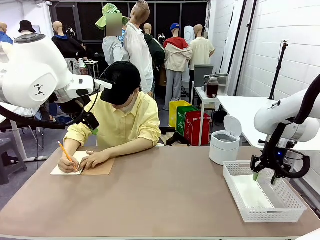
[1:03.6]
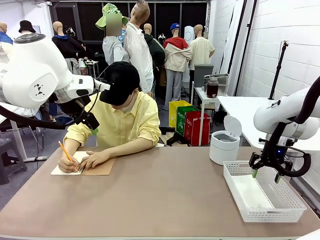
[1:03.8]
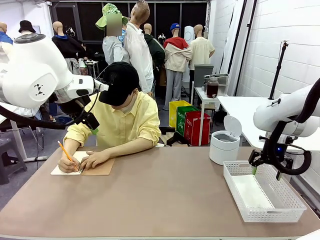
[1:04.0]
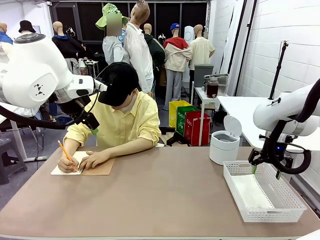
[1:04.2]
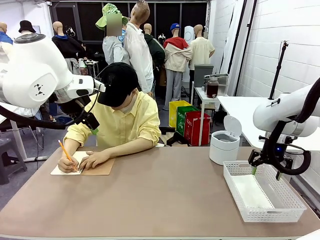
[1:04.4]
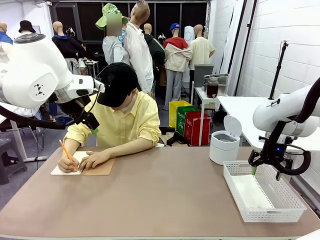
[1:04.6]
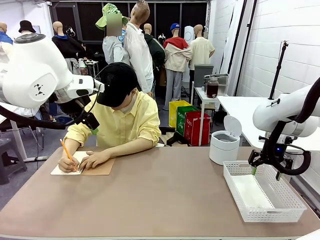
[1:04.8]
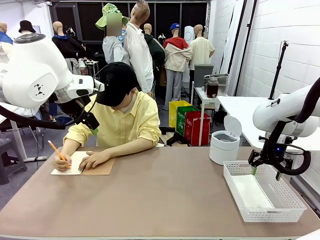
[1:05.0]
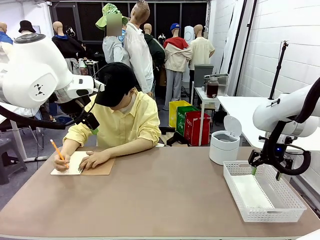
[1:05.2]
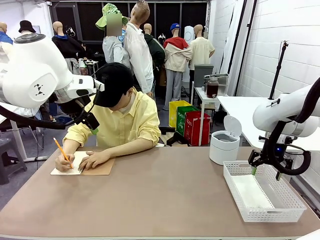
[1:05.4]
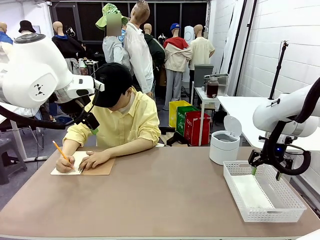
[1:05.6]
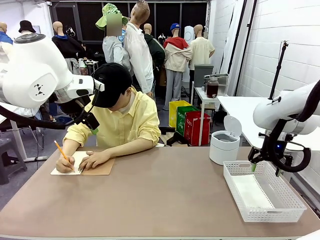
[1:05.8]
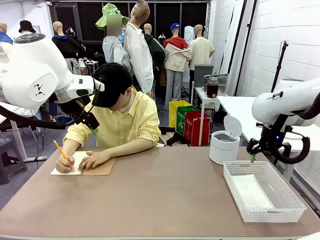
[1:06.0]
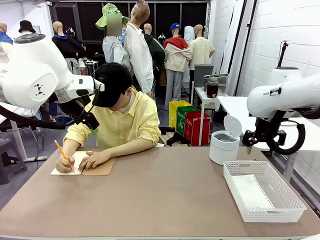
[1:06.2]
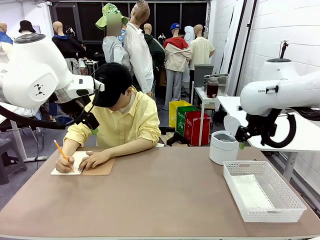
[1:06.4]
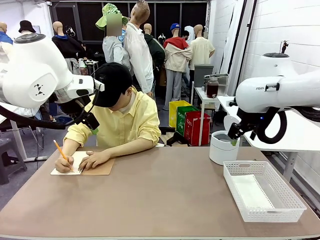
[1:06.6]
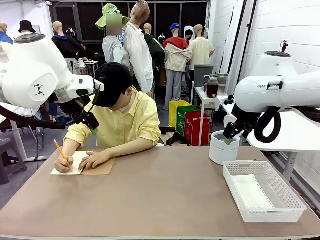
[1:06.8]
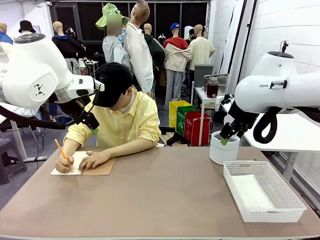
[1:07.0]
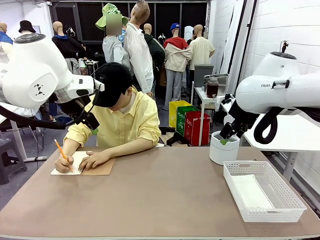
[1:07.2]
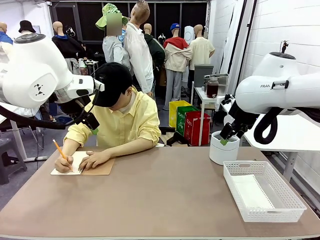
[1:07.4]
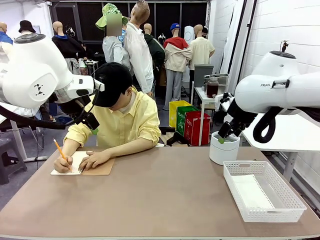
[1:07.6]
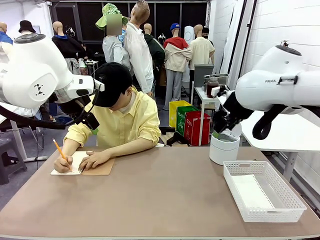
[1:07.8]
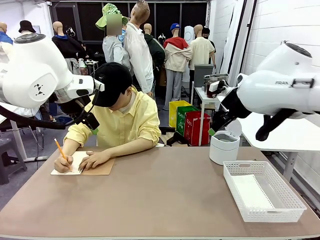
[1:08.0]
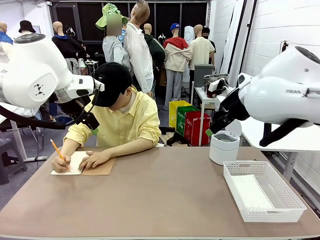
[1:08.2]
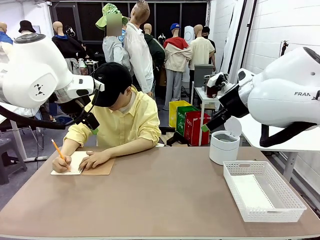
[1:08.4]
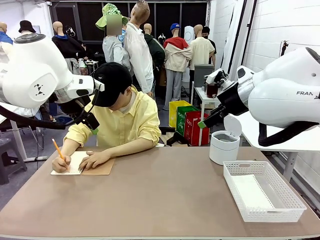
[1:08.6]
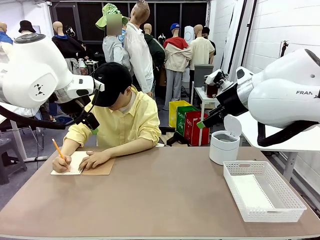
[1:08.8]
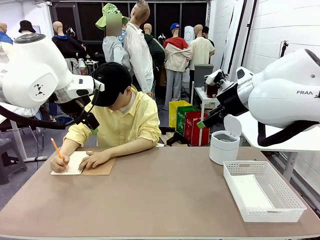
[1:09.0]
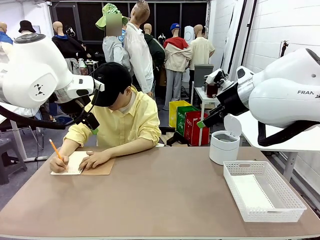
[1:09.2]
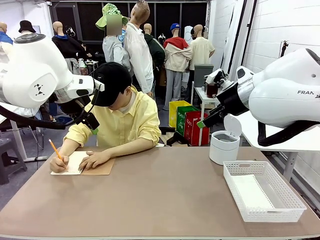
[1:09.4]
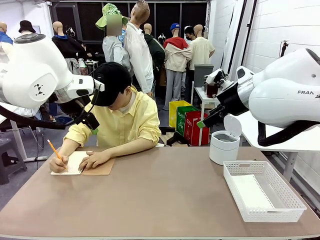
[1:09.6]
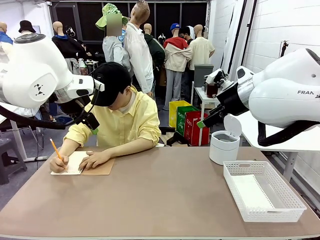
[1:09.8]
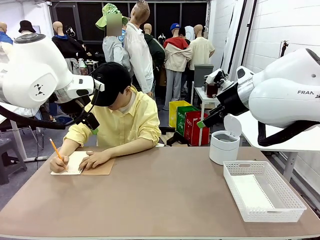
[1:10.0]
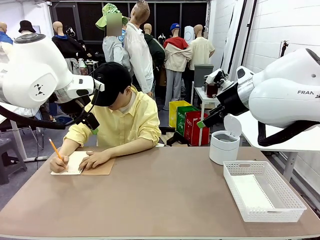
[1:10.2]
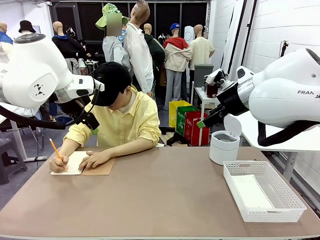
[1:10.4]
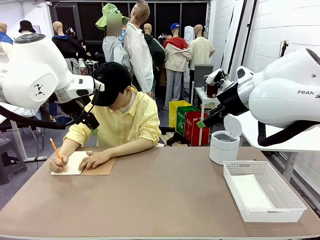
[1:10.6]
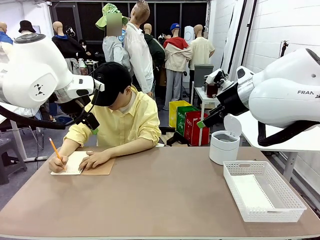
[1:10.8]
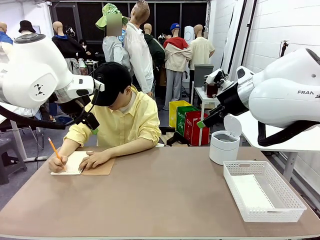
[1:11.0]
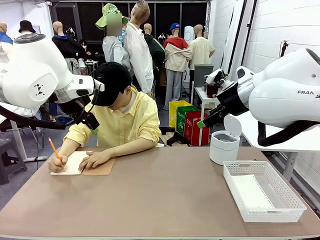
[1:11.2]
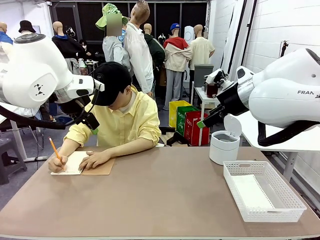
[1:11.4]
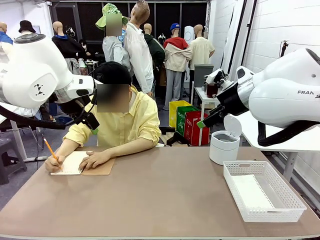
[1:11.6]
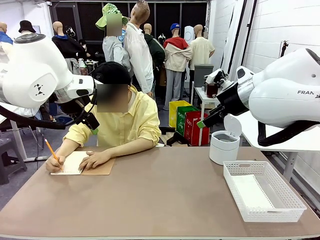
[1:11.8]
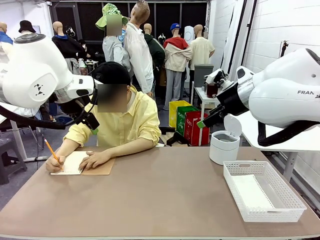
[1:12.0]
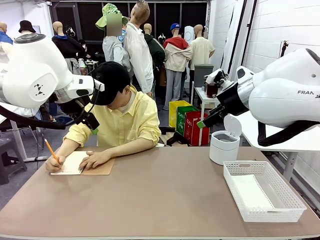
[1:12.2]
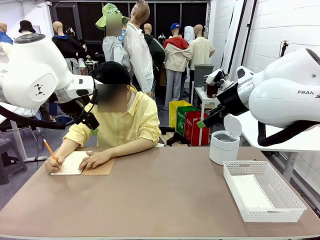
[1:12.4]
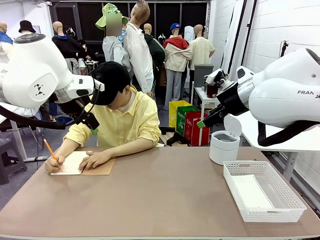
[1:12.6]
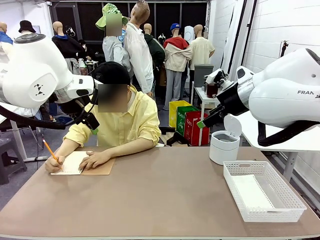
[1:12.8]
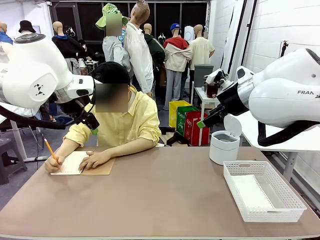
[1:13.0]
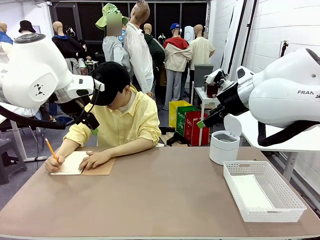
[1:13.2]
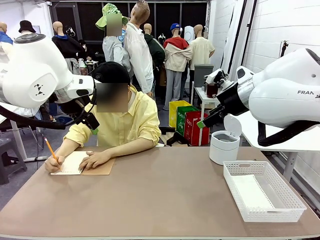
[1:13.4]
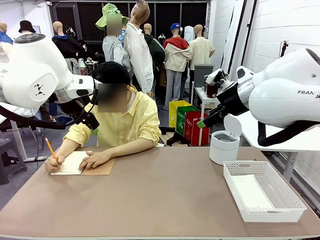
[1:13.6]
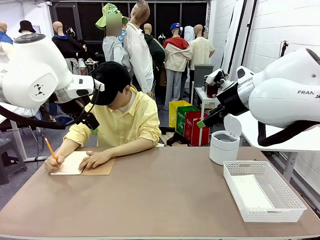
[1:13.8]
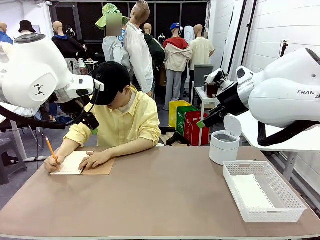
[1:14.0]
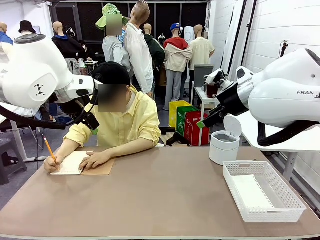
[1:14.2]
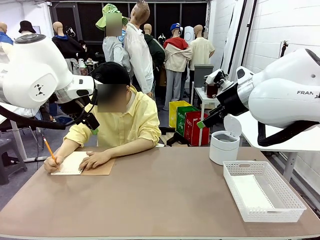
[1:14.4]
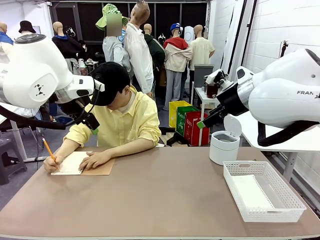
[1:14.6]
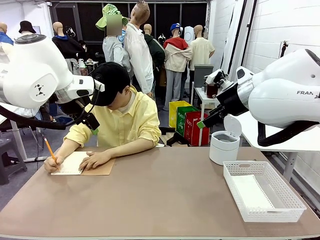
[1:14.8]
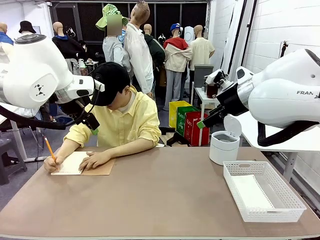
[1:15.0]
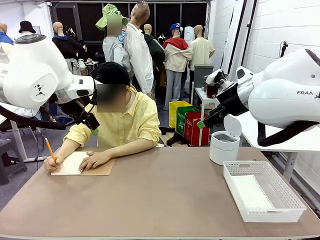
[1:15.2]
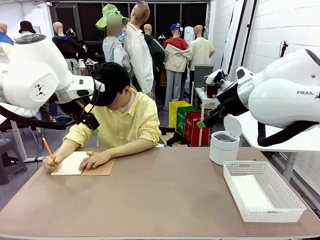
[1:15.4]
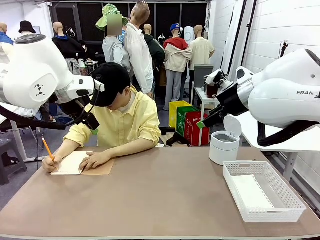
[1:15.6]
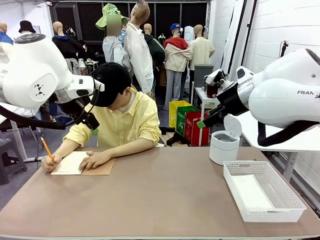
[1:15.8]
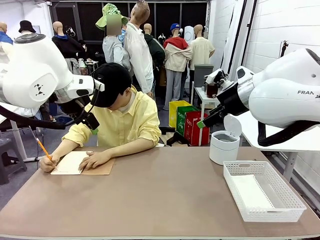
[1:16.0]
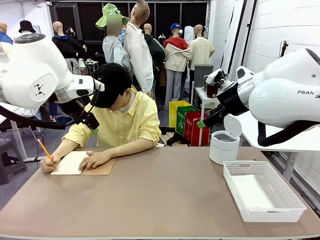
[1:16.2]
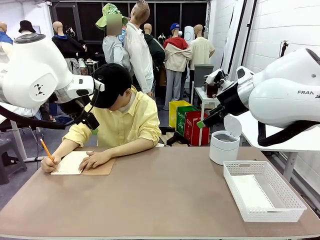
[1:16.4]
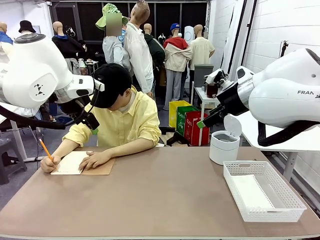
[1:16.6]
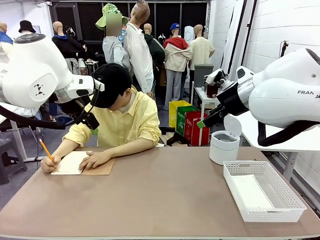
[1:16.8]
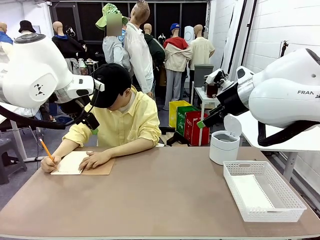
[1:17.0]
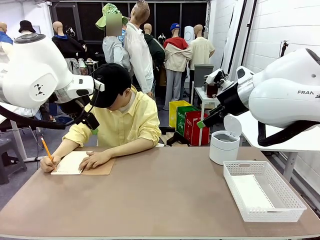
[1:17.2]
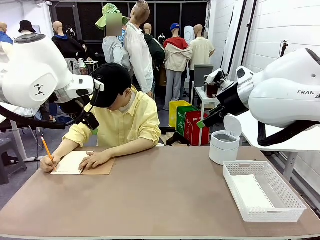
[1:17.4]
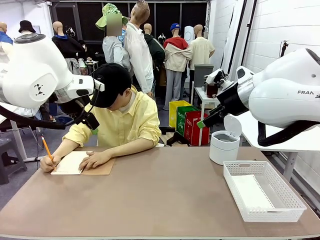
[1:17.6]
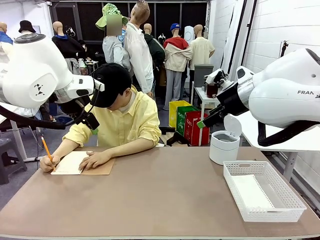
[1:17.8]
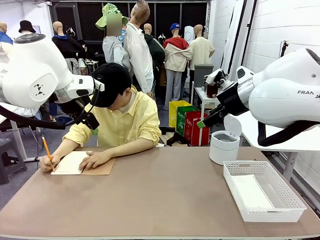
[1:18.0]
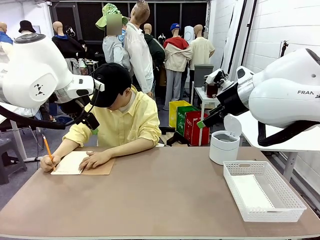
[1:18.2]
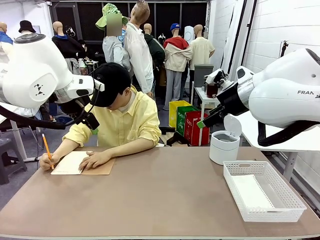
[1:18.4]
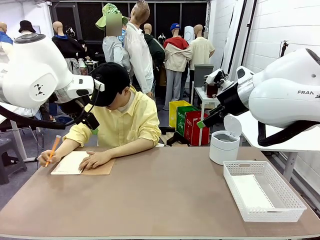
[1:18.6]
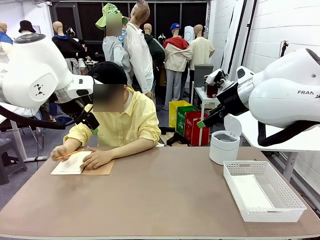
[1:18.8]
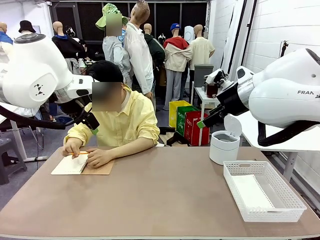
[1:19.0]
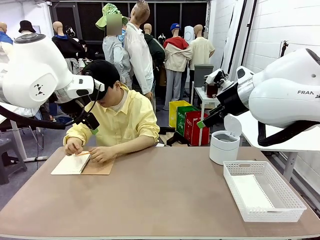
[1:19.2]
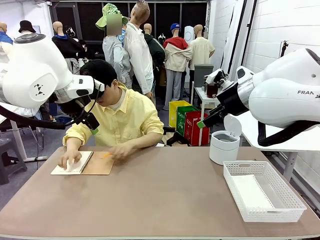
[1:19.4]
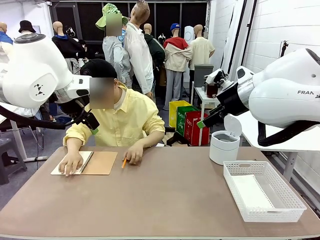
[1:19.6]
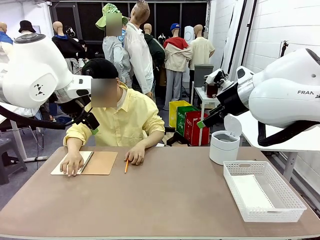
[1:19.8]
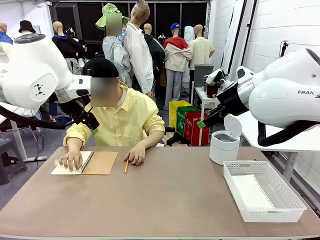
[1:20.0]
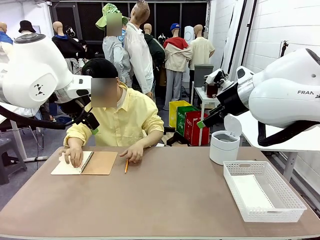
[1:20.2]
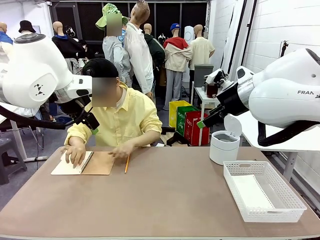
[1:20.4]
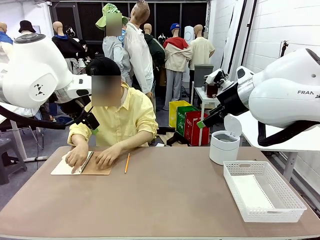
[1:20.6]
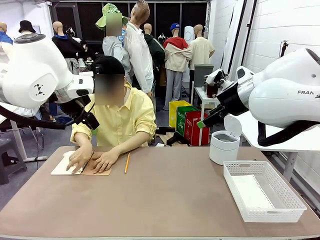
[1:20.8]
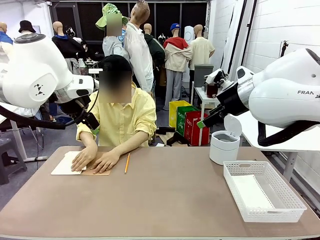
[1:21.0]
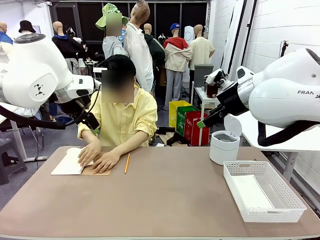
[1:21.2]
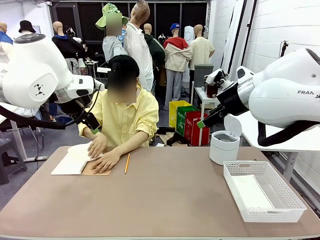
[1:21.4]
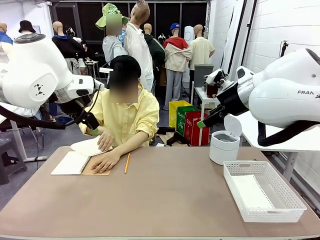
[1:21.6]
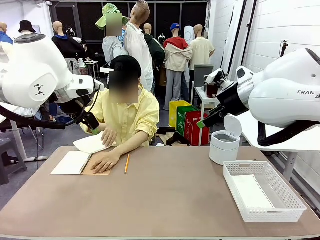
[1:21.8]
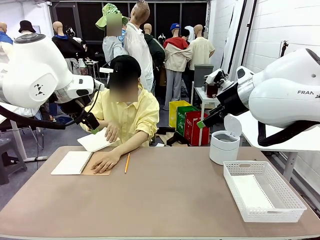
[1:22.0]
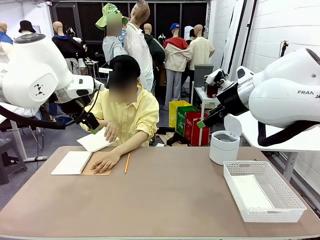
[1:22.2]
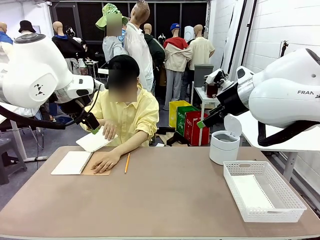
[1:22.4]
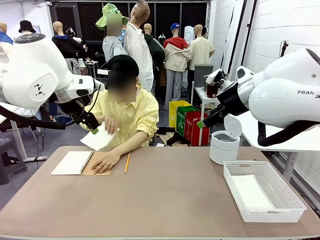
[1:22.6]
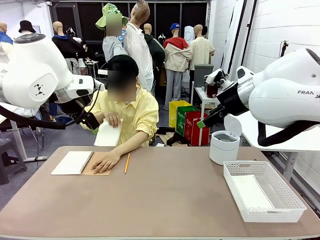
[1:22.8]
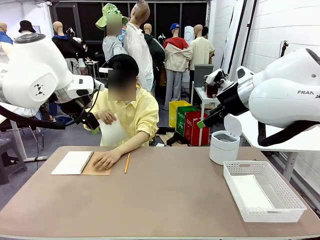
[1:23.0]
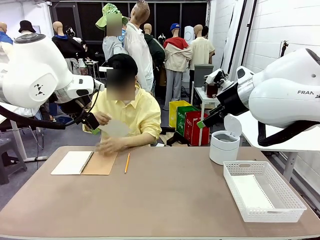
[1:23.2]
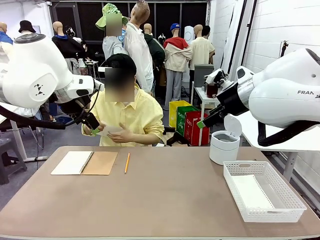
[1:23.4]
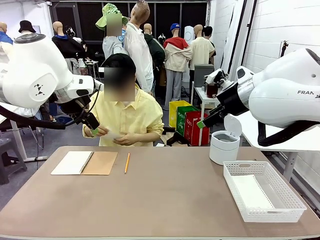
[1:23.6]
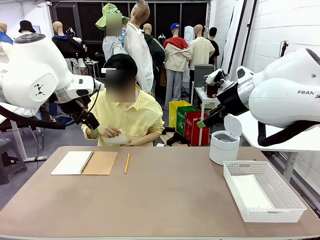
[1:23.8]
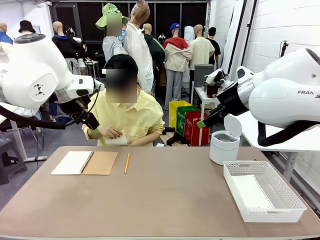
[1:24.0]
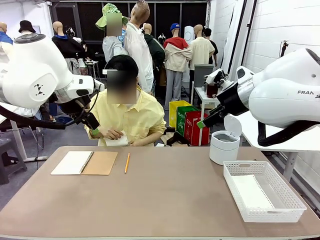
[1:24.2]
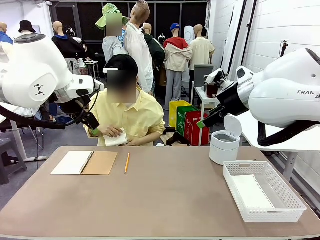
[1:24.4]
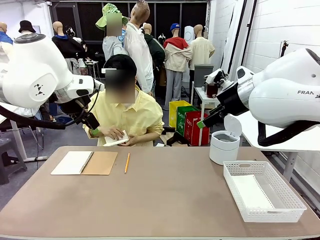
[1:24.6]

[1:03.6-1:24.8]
Task: Sort the paper based on its condition.
Robot: If a person hands you a paper, place it in the Organizing basket , and if it's crumpled, put it in the Trash can.
Person: Tear out a page from the spiral notebook.
